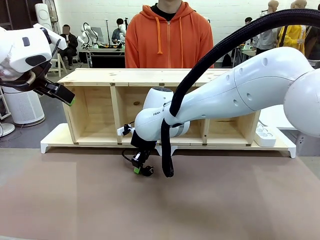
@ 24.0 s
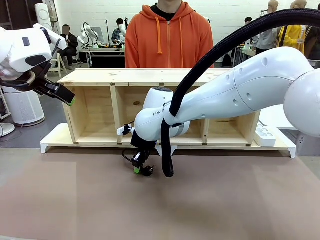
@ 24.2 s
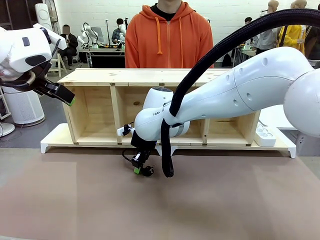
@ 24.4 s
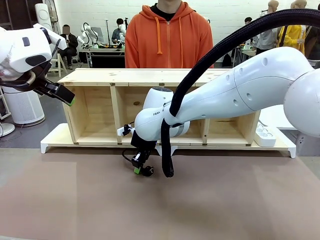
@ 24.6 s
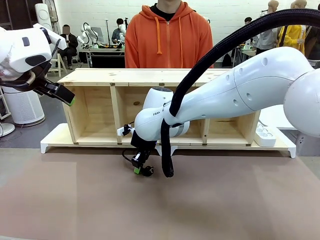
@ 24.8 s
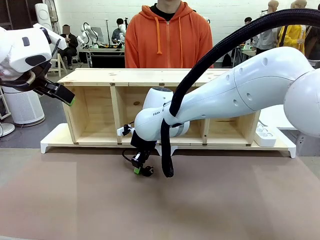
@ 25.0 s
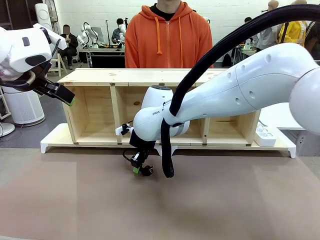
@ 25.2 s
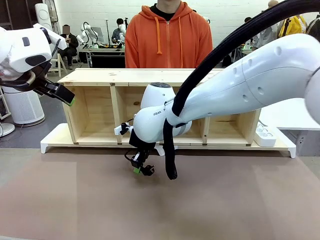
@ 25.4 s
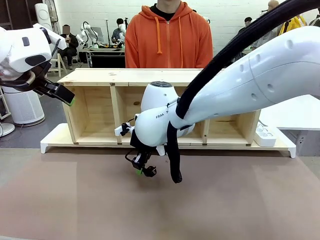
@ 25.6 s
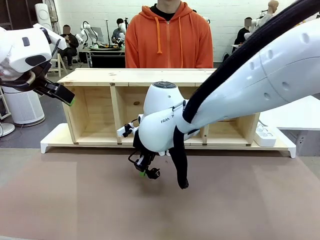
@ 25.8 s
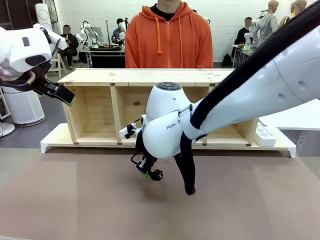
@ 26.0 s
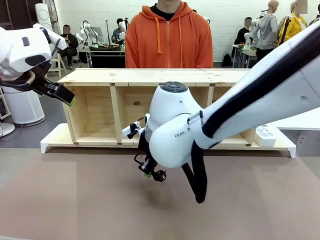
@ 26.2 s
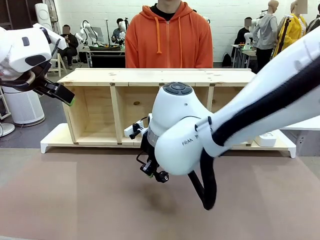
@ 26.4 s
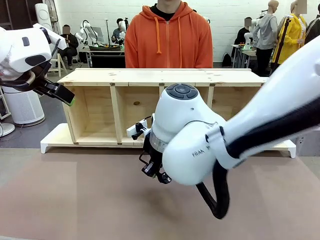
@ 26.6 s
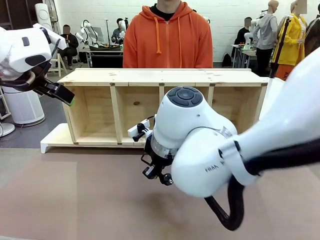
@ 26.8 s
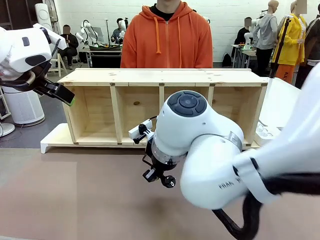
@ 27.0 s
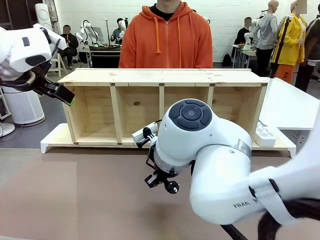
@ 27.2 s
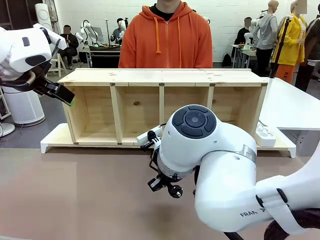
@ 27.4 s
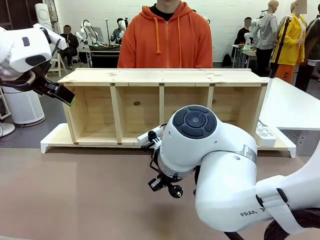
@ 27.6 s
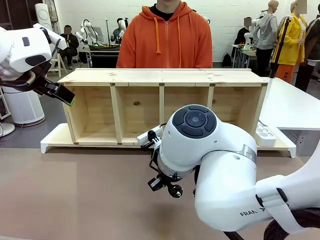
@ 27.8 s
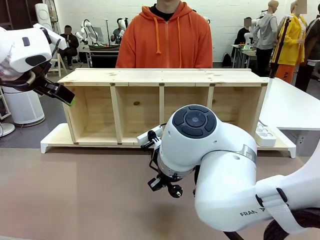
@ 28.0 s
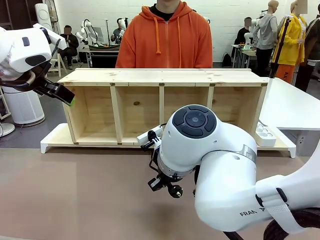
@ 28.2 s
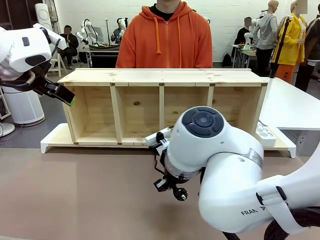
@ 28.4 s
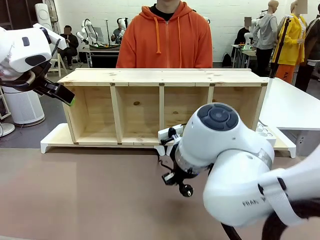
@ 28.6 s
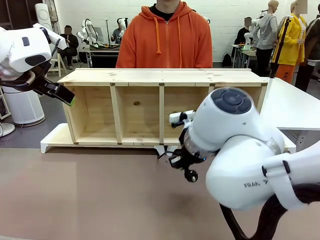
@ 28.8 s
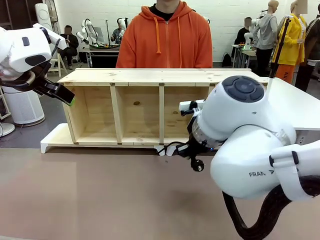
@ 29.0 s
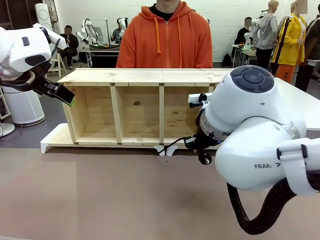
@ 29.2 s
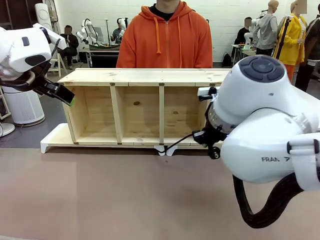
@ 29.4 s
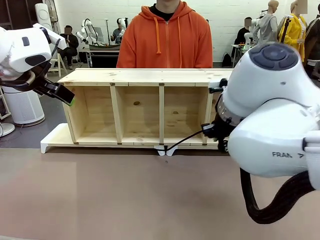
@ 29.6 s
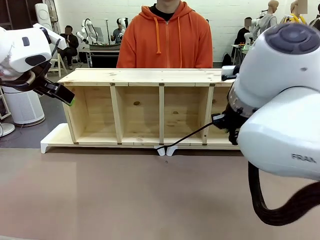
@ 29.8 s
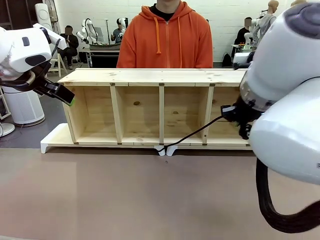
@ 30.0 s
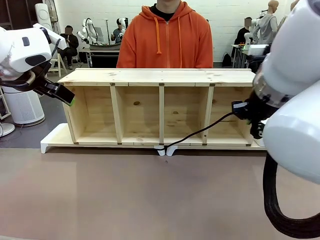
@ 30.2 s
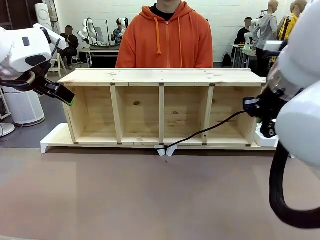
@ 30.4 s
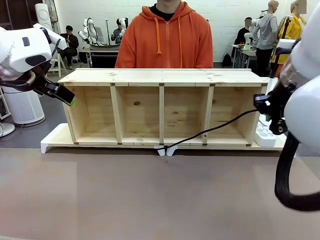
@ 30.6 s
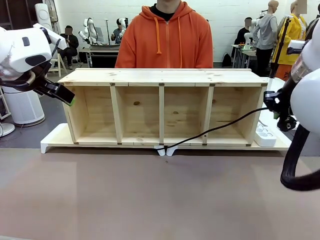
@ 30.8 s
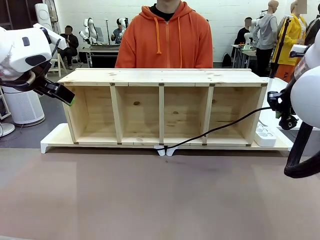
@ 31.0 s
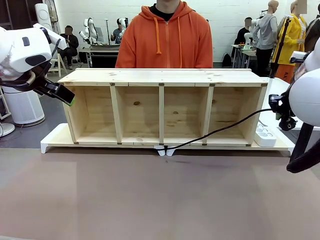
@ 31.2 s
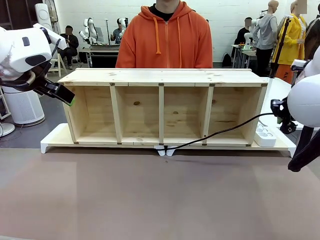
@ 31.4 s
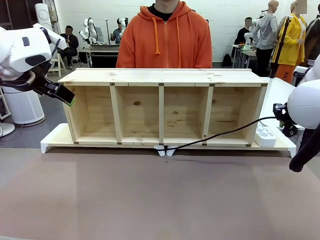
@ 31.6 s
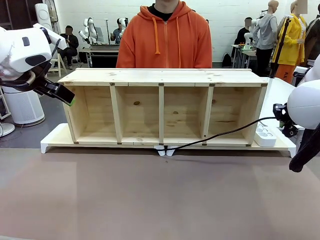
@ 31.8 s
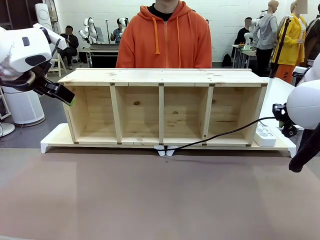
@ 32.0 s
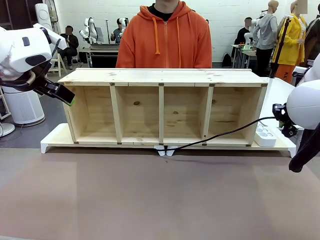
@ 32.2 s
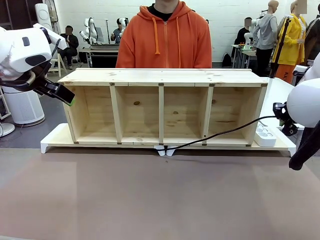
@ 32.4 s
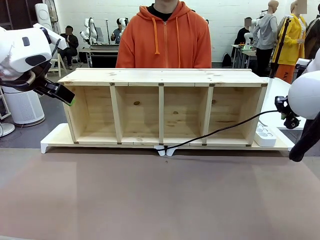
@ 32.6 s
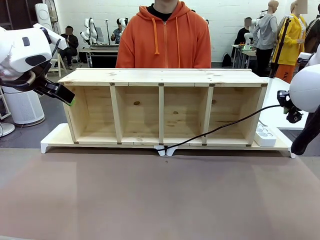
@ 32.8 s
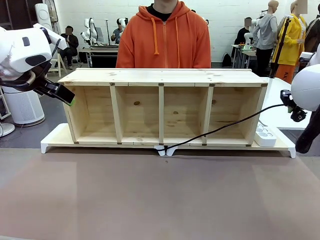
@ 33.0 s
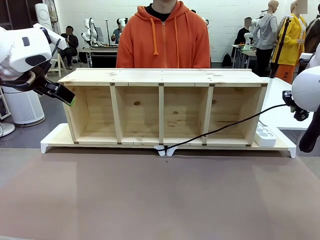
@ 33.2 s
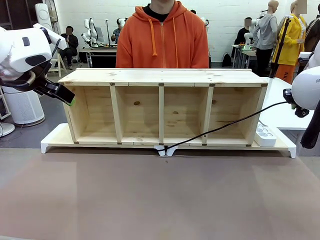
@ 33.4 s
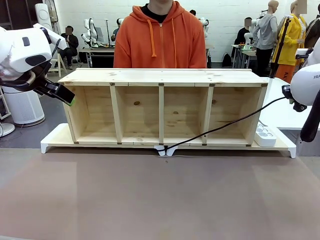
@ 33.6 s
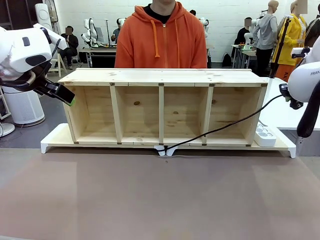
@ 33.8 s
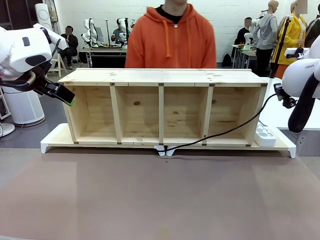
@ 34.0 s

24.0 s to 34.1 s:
Task: Perform cable management.
Robot: Pull the grasped Power Cable to the location of the Power Strip.

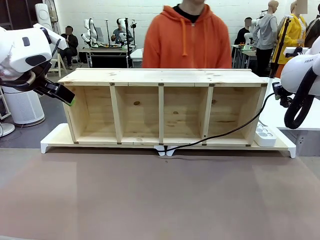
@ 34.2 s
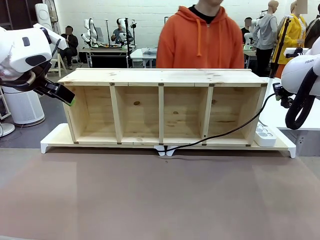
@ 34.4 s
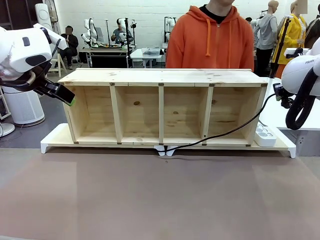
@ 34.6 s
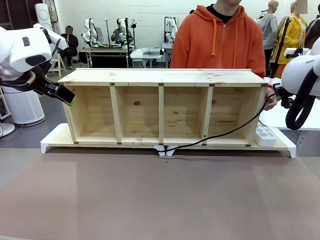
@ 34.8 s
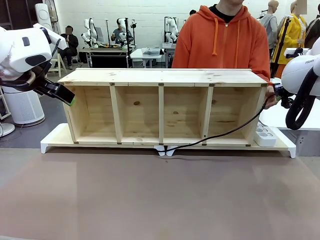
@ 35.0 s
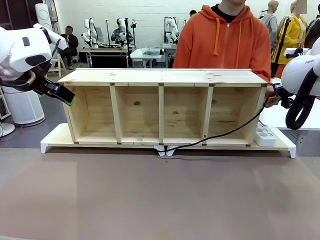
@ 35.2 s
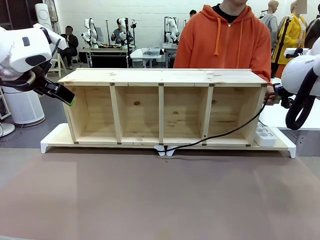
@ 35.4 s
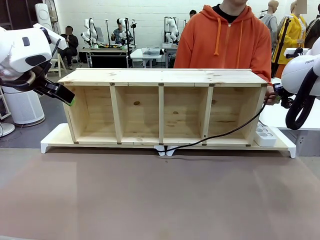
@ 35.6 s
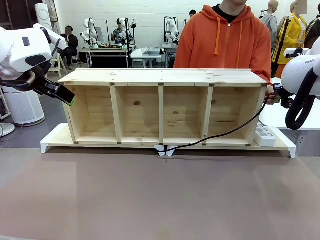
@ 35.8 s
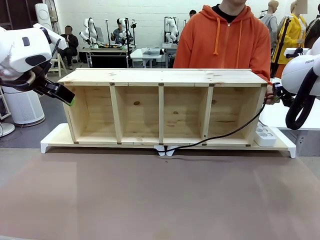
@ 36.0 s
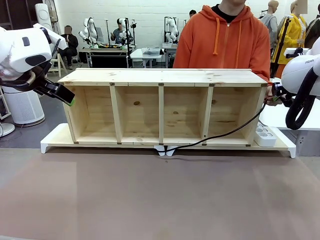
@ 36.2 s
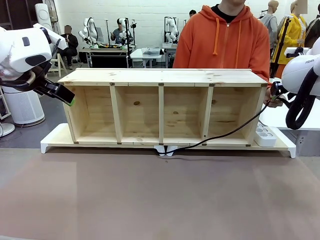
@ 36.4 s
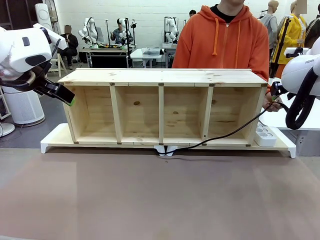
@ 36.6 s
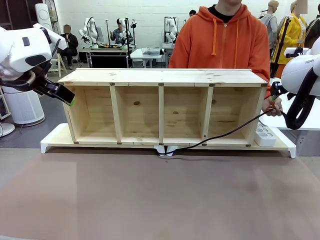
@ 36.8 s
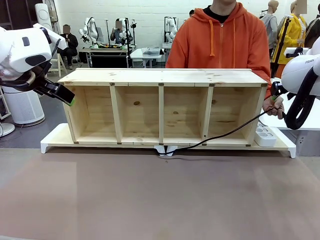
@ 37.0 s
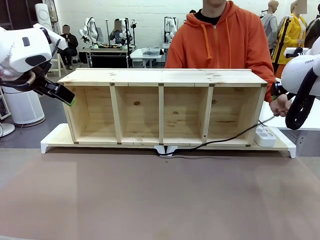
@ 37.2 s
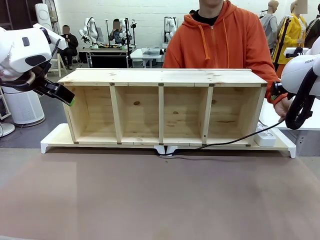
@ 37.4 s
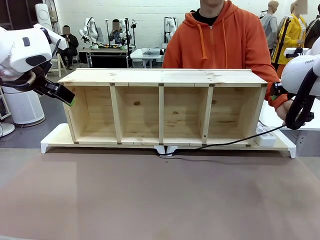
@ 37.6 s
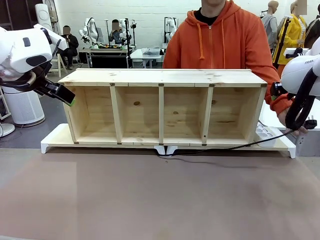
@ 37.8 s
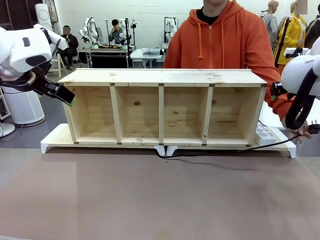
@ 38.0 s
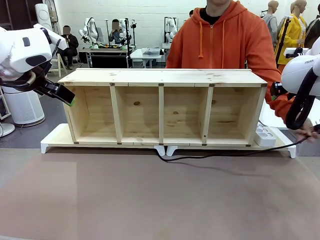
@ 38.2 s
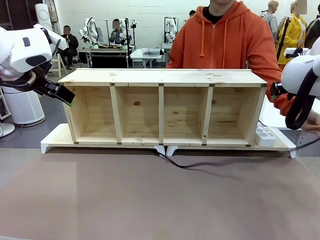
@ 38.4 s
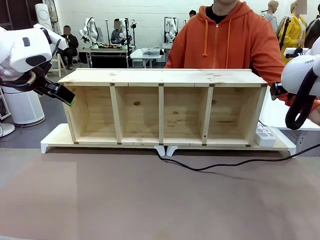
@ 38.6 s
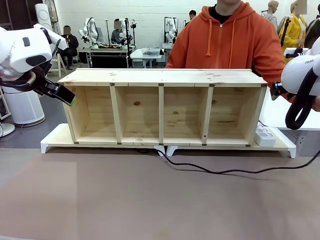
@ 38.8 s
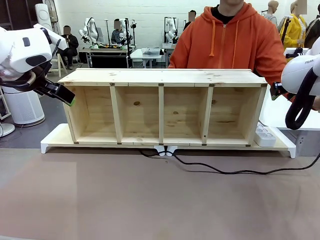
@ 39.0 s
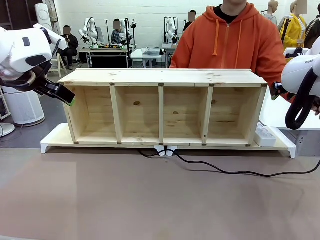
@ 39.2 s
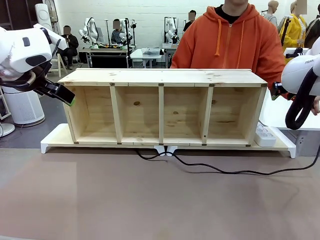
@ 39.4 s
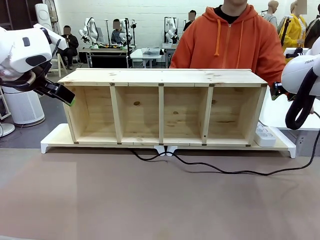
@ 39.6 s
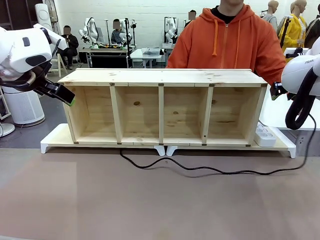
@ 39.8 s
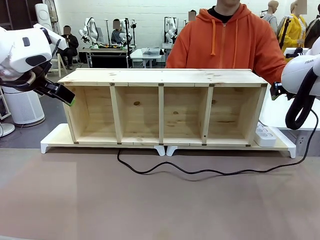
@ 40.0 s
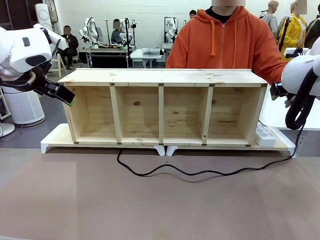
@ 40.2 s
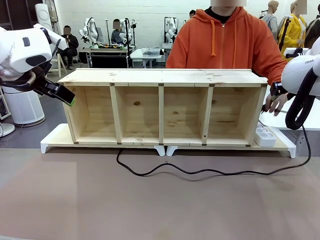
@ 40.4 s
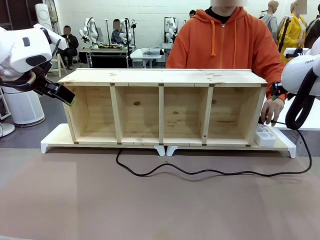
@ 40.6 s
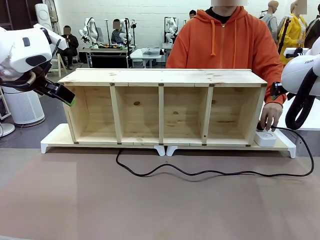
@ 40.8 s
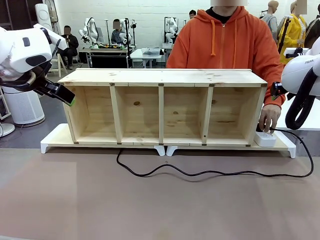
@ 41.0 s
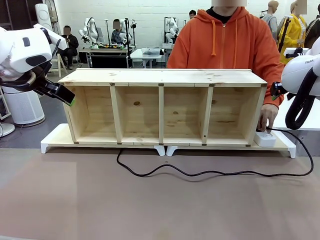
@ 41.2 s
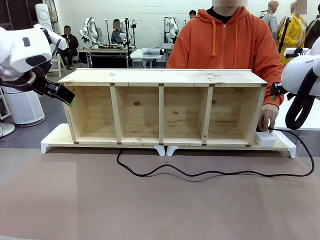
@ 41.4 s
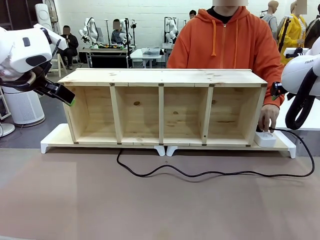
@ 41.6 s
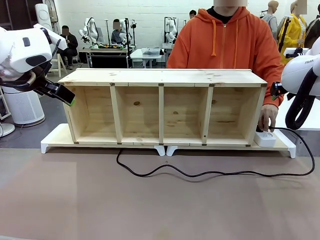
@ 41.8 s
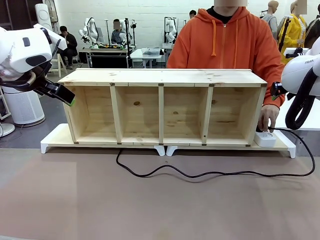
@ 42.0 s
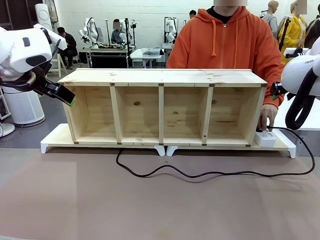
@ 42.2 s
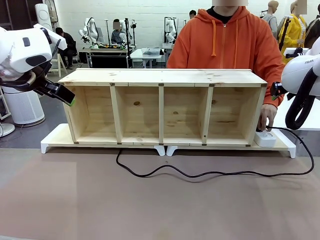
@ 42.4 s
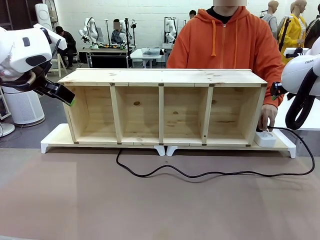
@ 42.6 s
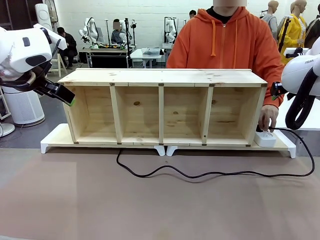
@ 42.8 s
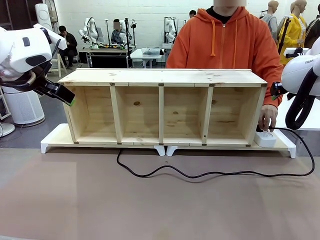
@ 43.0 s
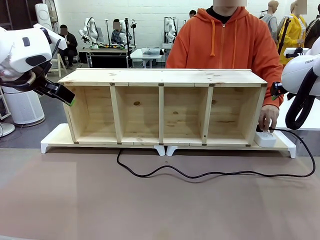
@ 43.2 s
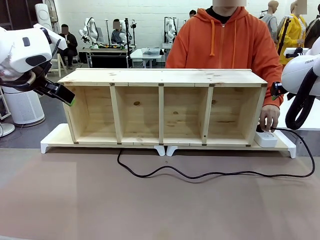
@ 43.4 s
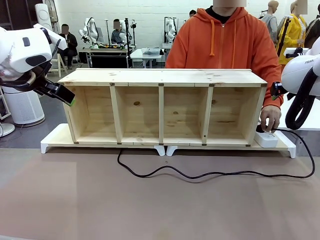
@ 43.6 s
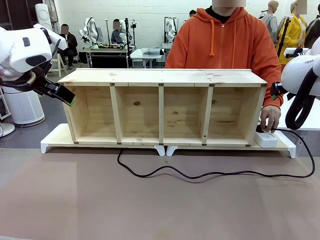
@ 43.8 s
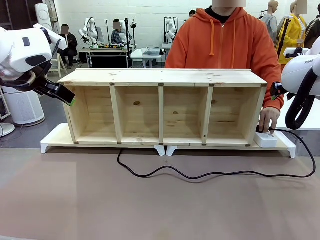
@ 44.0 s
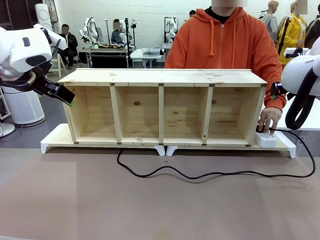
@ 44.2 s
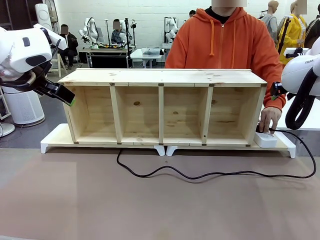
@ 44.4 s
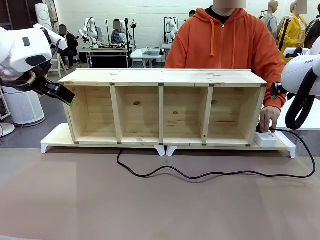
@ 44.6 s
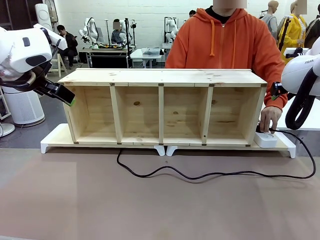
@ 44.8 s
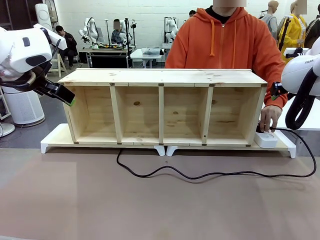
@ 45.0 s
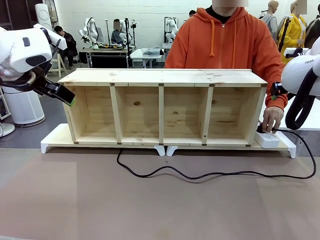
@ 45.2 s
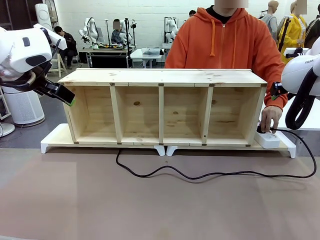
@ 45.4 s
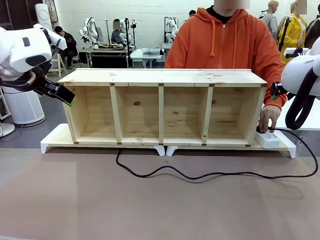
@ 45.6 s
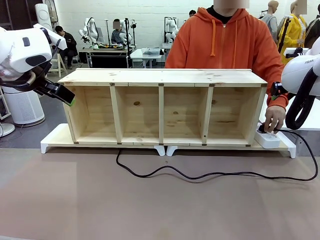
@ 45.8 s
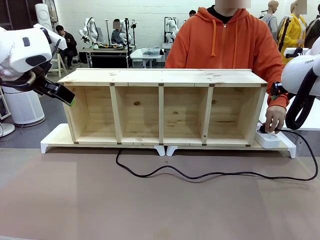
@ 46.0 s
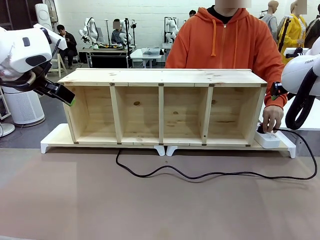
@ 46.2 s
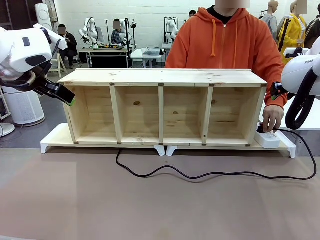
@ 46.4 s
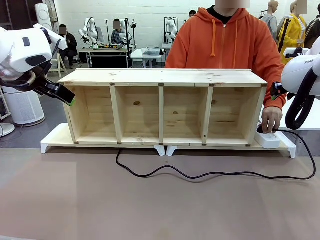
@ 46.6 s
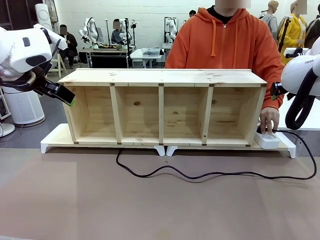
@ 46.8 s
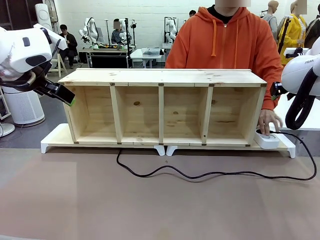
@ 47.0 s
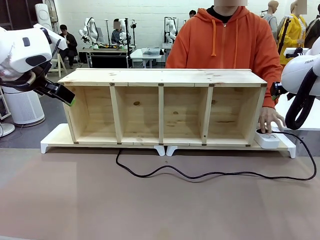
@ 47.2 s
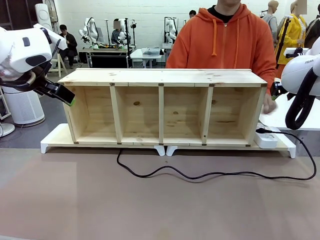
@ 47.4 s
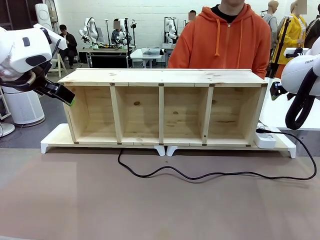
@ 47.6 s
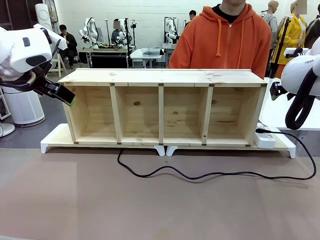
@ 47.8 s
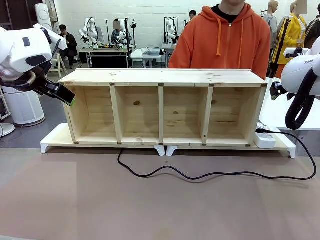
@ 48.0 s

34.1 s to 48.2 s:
Robot: Release the Power Cable when the human grasps it.
Person: Plug the Power Cable into the Power Strip.
